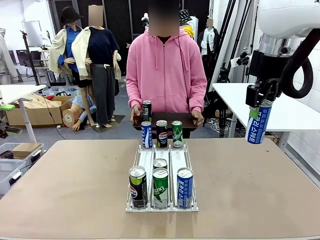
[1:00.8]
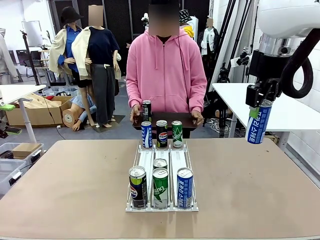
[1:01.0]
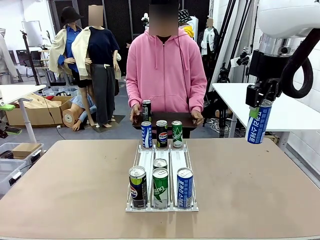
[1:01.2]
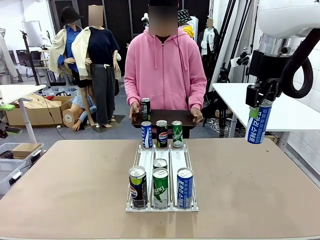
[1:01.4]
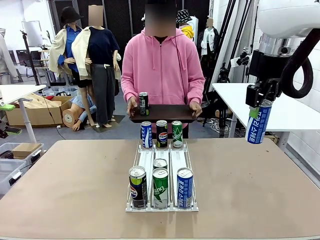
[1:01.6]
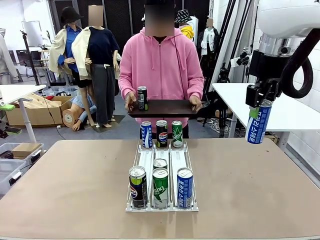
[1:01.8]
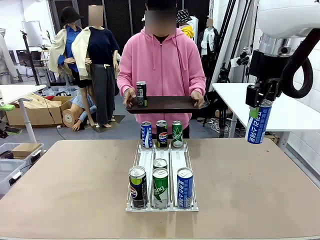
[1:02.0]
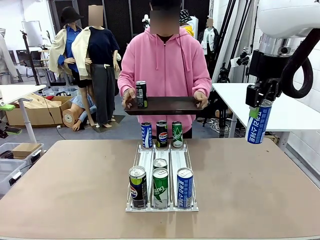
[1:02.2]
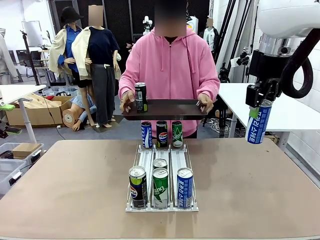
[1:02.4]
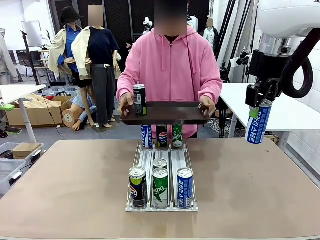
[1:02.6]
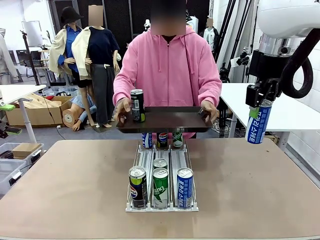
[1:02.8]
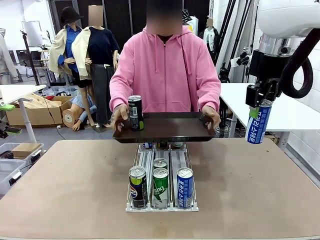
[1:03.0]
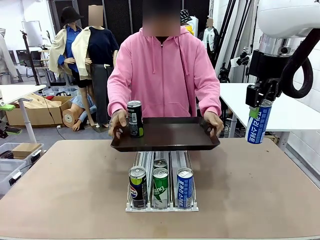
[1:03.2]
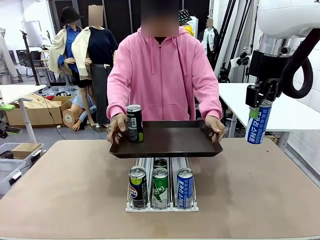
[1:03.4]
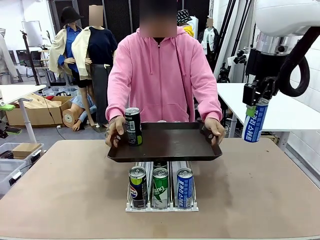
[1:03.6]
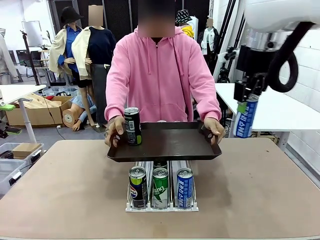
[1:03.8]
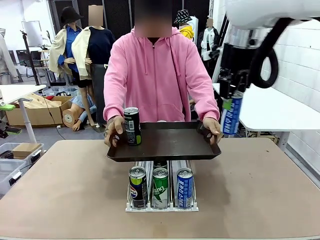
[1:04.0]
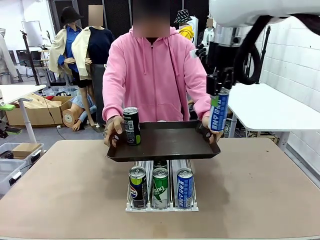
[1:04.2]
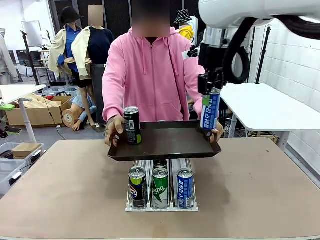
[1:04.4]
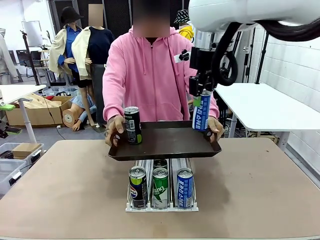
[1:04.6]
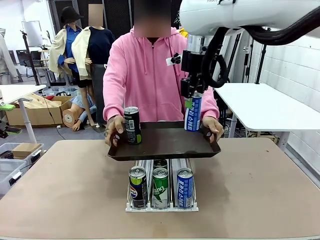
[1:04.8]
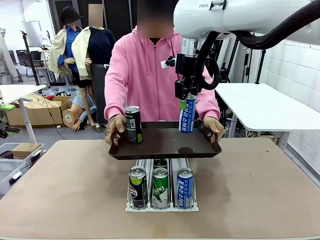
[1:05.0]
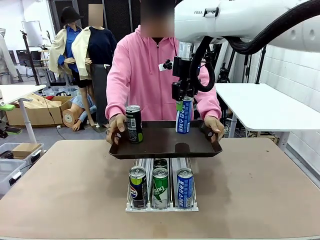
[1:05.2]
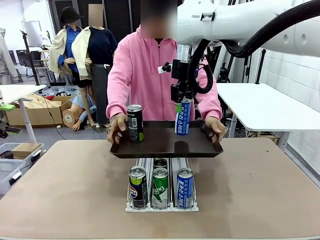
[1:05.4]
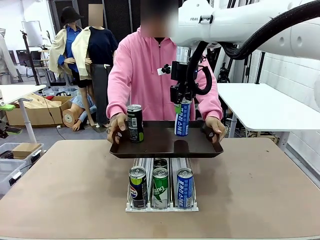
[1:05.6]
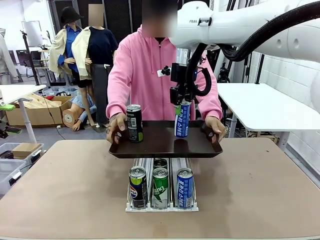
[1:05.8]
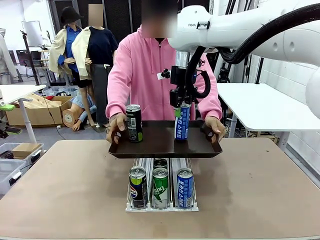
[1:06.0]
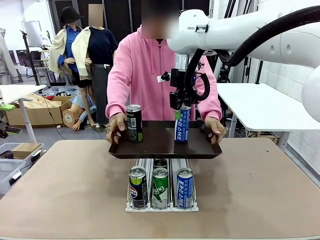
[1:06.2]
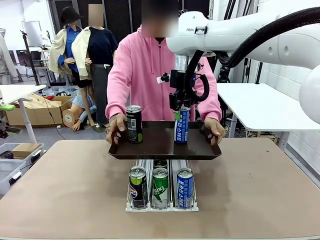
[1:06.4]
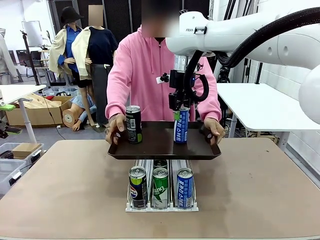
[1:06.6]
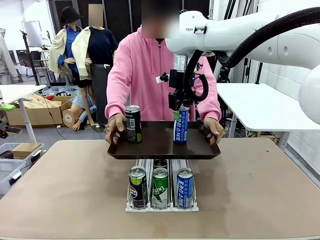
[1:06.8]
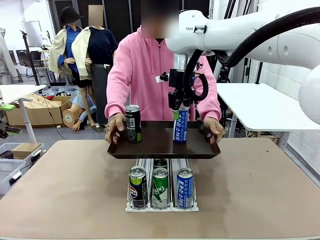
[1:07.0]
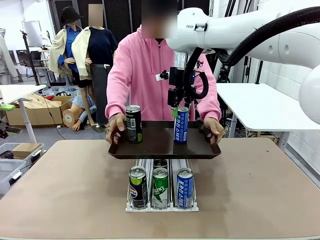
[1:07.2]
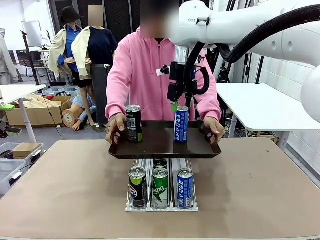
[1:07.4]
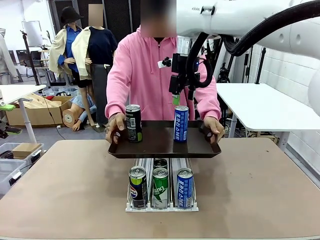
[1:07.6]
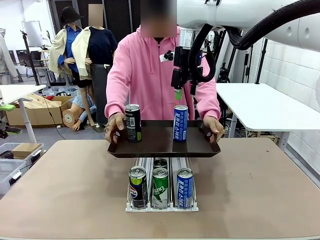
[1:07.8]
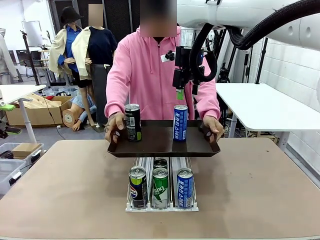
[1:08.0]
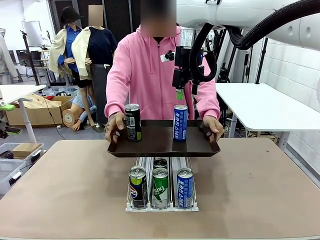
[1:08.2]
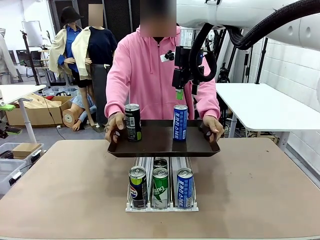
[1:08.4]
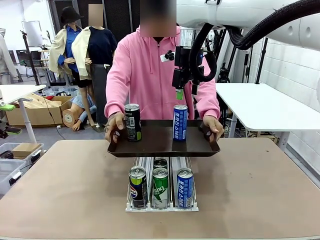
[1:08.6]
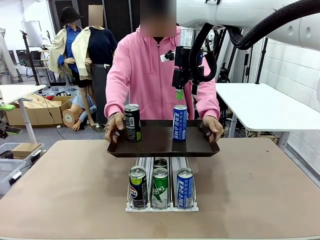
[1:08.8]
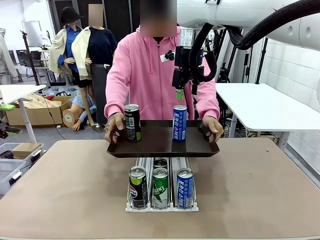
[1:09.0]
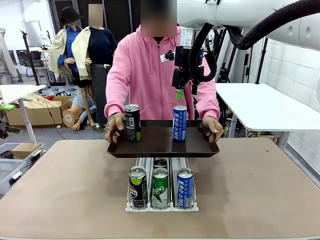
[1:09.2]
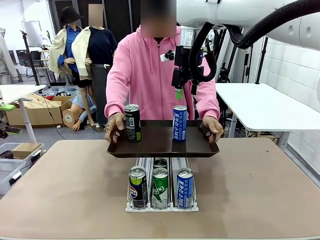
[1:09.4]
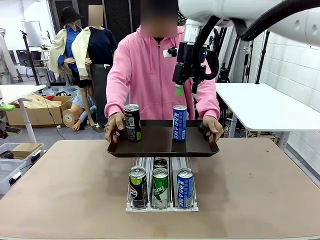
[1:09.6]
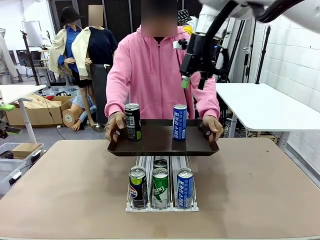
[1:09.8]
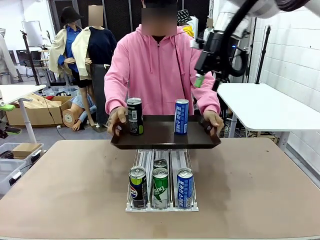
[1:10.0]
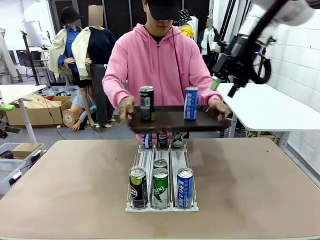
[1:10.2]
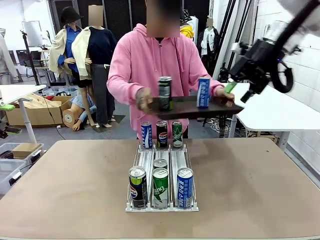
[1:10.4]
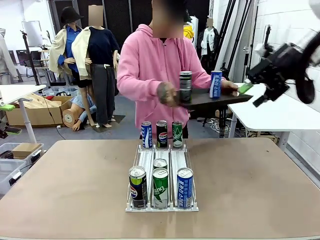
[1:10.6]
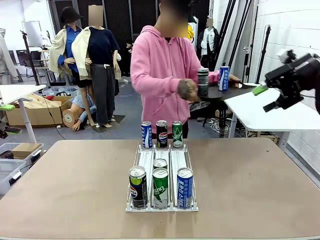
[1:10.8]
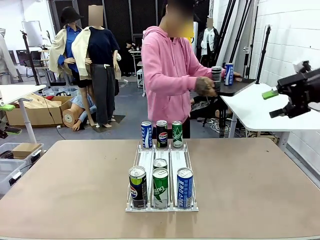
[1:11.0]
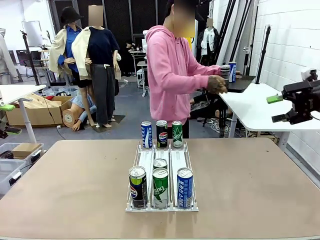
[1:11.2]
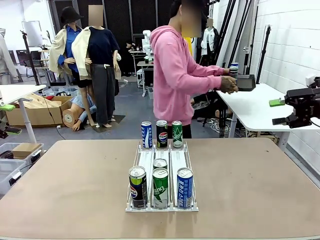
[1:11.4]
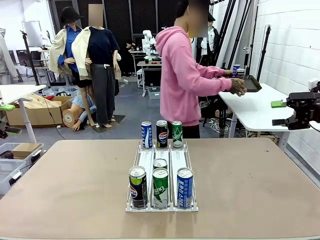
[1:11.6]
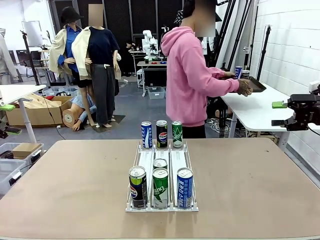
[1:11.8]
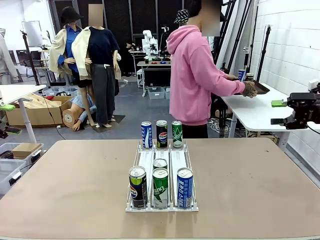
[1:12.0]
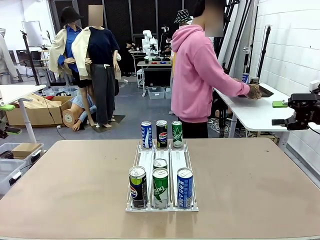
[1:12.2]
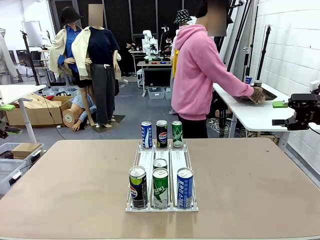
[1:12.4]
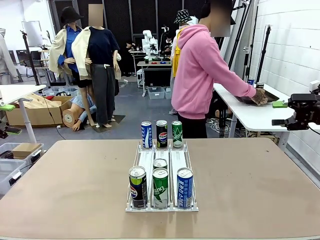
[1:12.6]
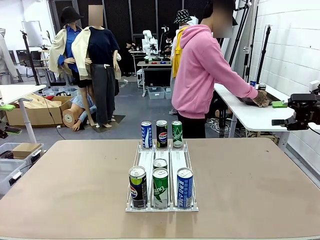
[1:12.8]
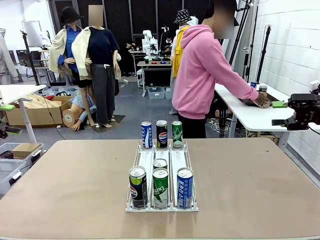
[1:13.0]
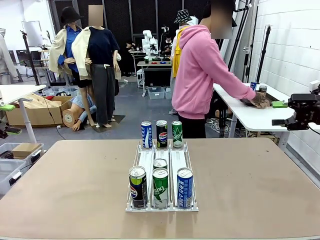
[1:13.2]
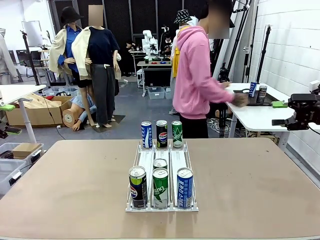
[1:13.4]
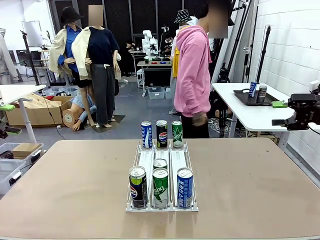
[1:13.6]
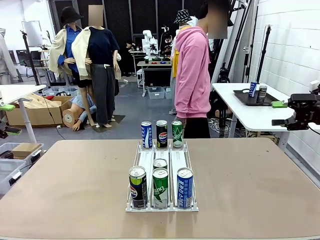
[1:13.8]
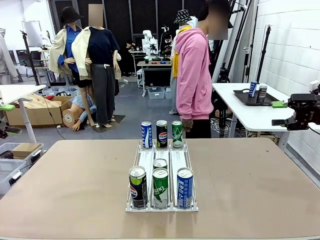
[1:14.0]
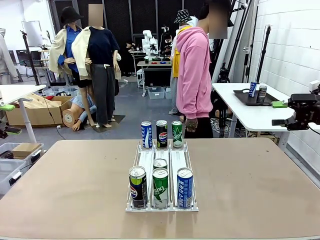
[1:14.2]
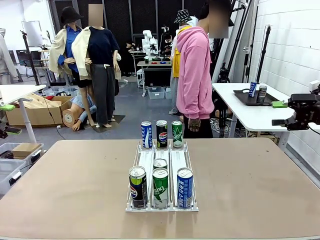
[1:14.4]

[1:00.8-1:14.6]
Task: Retrieve and hand over the desired beverage to the person.
Robot: Place the picked can on the Handle tray extended by the person.
Person: Pull the tray back and place it at the center of the human table.
